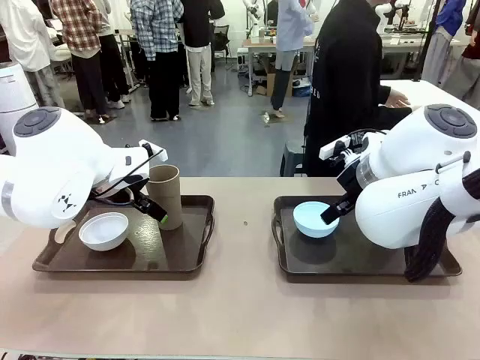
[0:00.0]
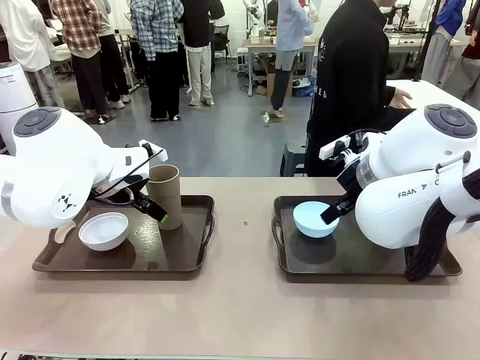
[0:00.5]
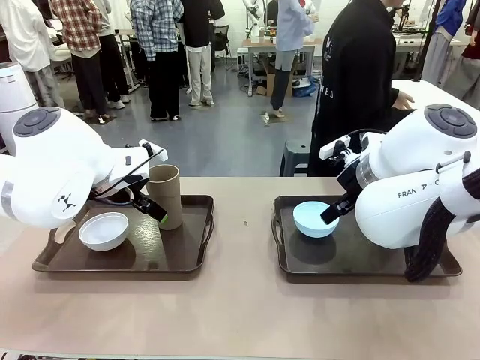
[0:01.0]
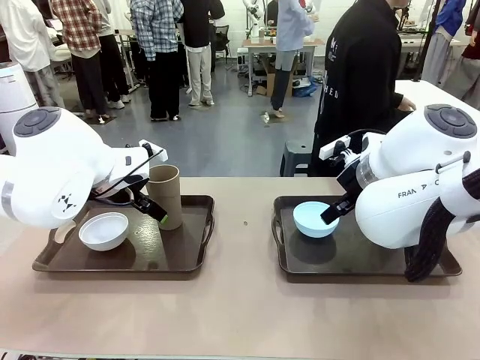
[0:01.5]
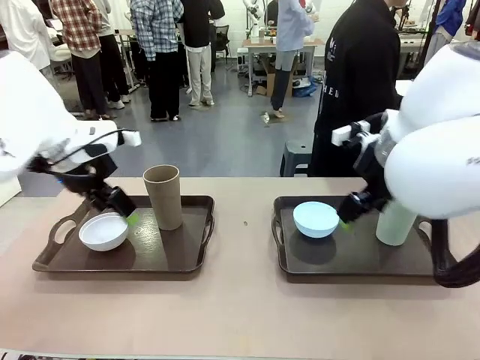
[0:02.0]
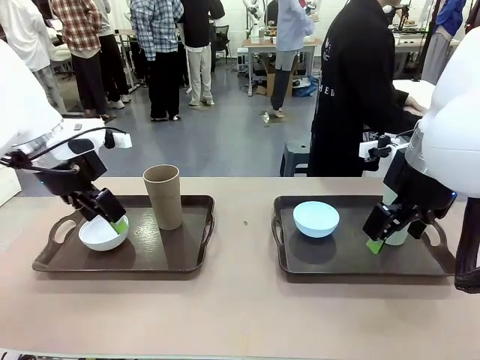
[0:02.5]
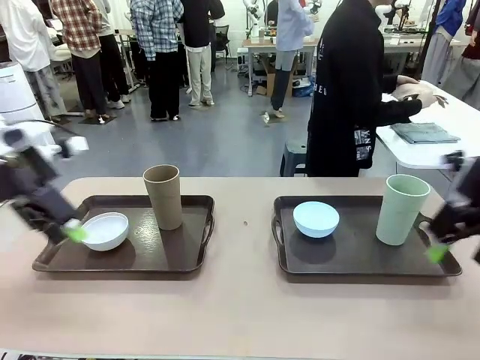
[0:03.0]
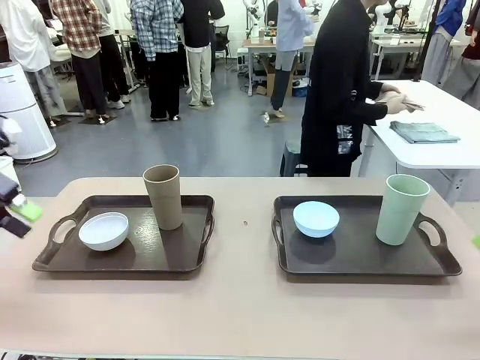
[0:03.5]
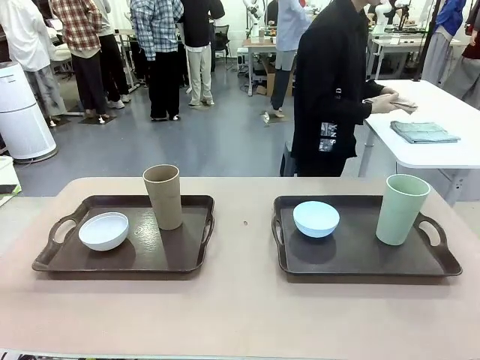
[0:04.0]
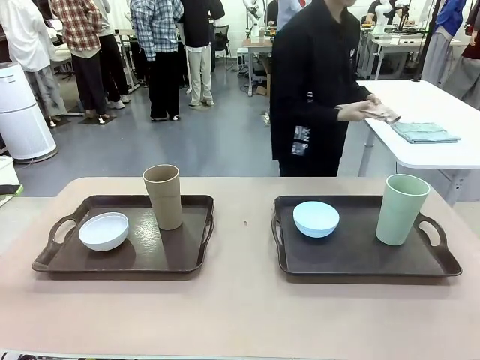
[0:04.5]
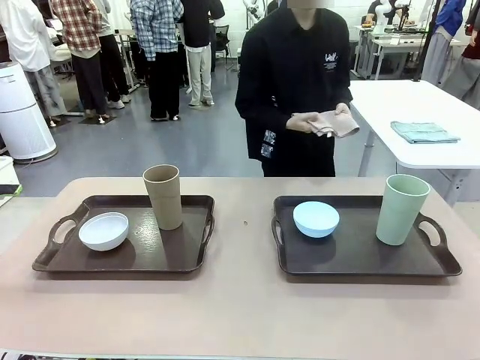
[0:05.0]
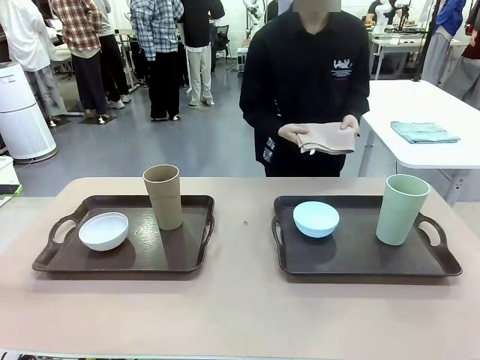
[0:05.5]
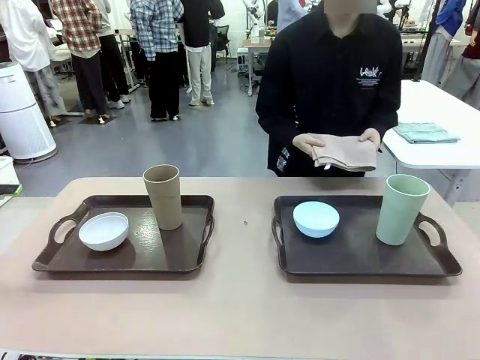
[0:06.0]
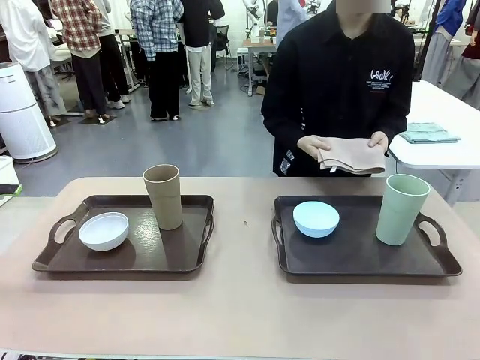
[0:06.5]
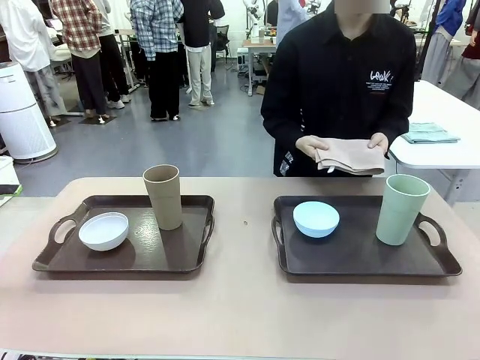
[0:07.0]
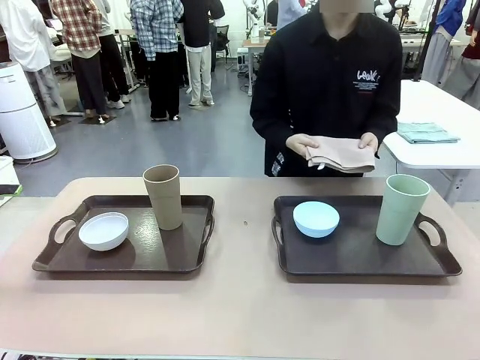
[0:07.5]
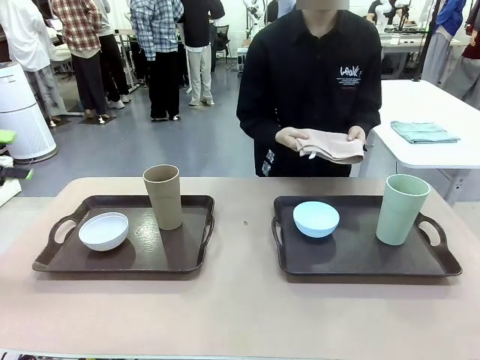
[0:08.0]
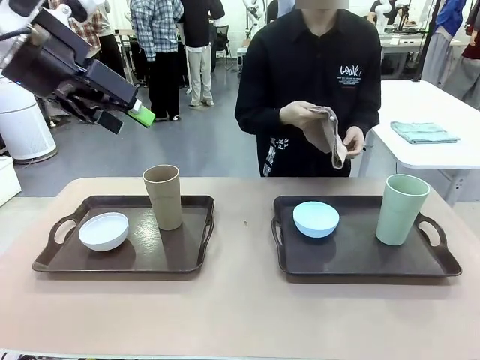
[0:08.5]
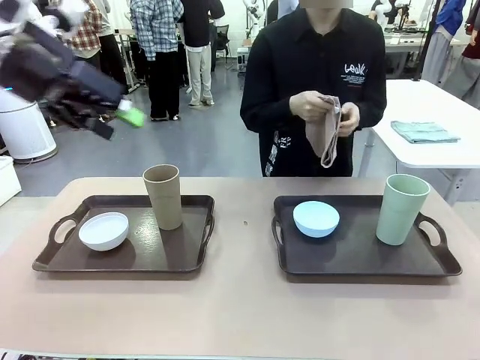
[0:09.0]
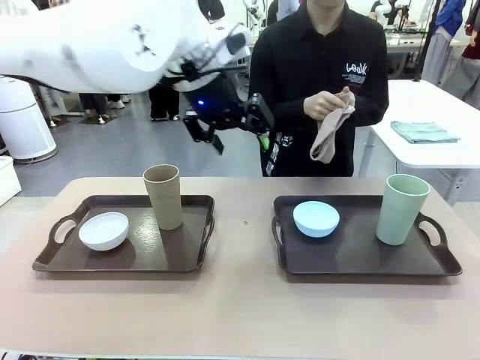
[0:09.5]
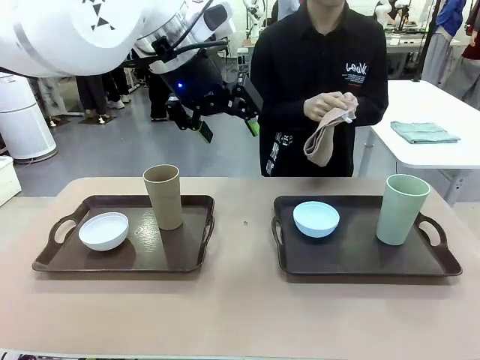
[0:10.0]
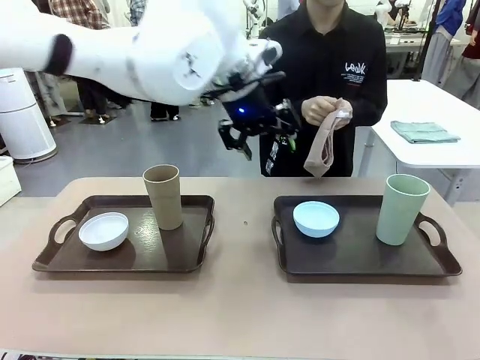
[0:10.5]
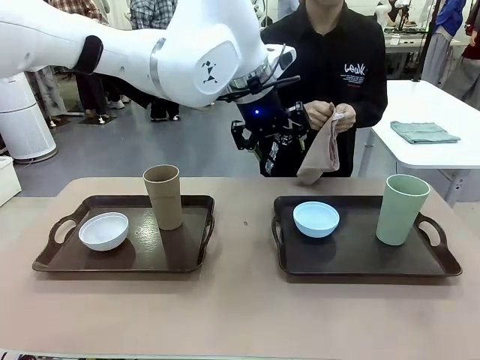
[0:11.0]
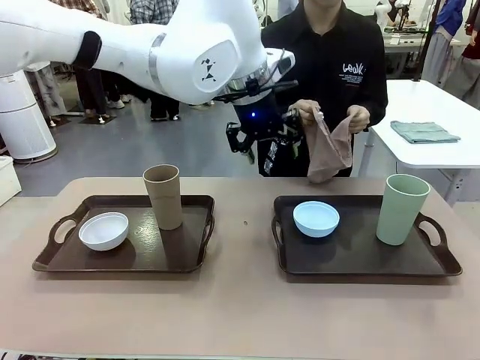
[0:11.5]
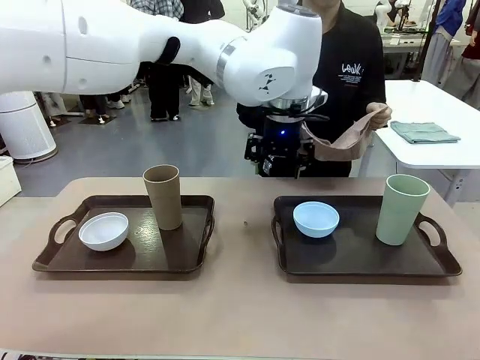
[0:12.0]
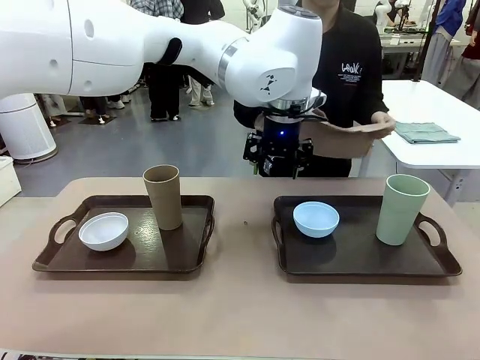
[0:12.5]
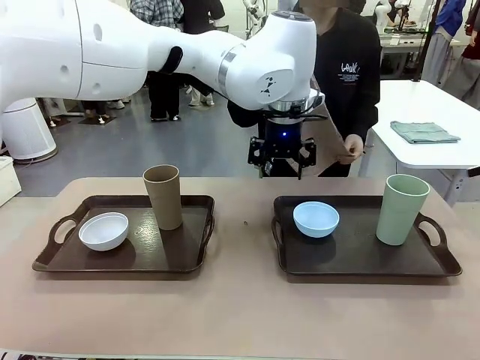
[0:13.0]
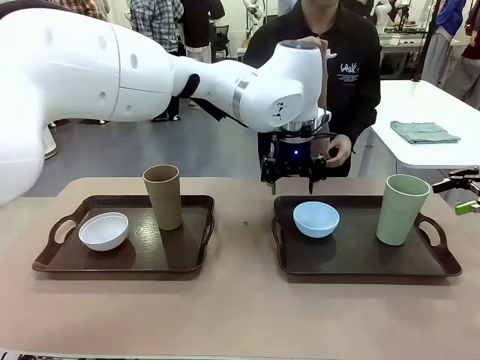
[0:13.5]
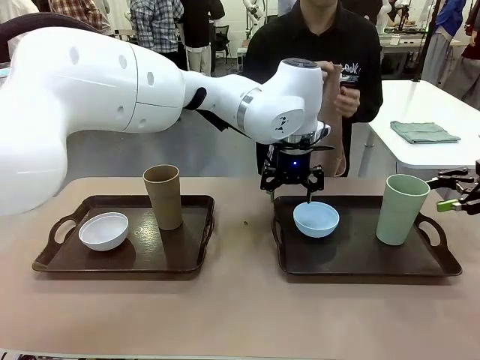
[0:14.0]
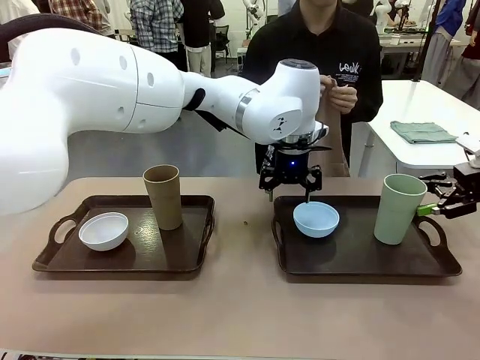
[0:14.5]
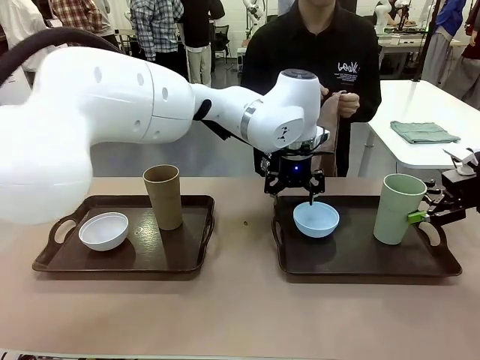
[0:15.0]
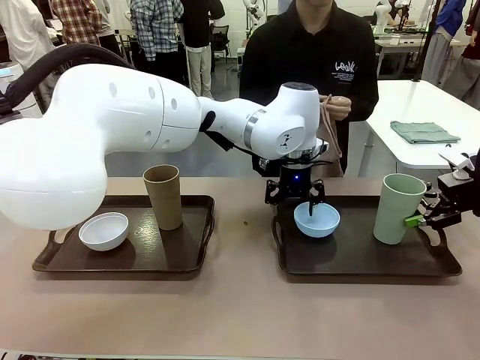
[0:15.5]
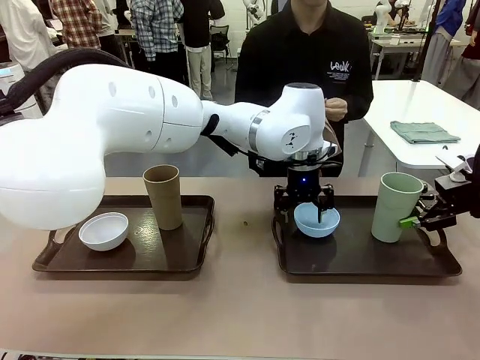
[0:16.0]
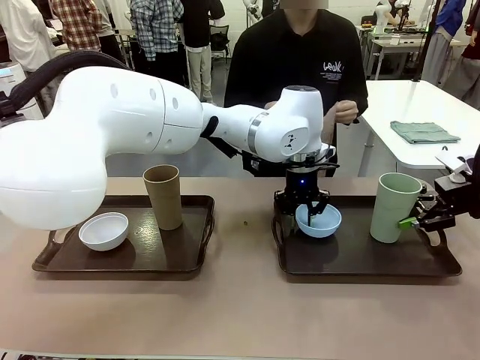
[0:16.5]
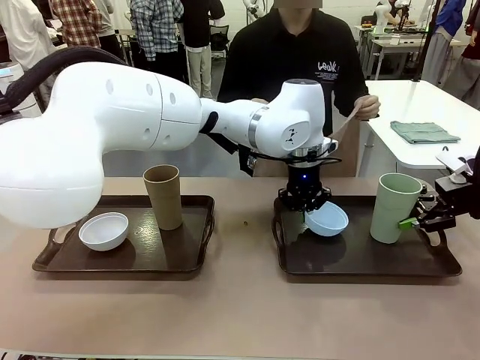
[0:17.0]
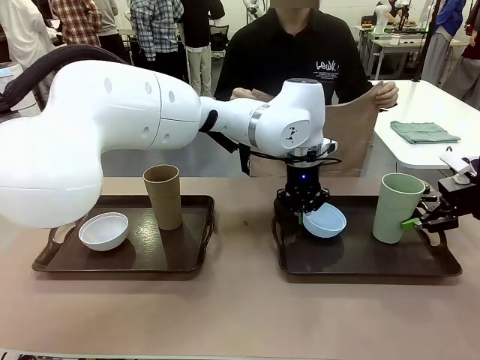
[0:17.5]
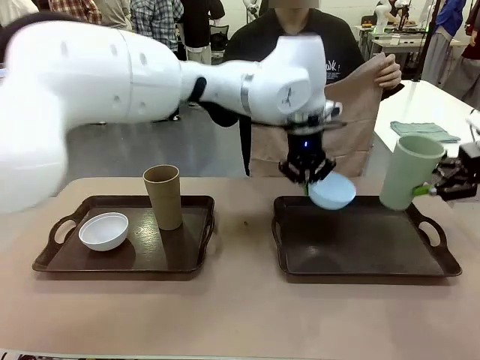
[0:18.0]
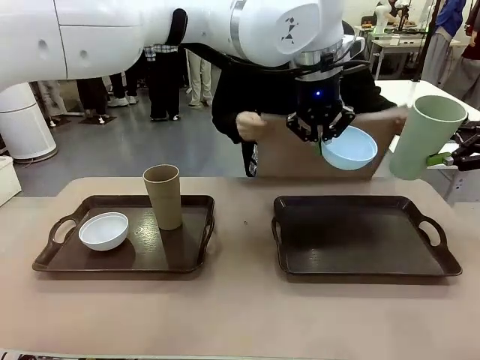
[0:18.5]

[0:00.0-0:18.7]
Robot: Pick up the Picnic Bowl and Reusable plastic cup from the Handle tray in front of the human's position and hold them in the air.
Person: The human picks up the top napkin from the stack on the human table and walks to the robot table to stand in front of one of the two trays. When the robot lifts the bowl and the cup, the human unfolds the napkin and lays the napkin flat on the tray.

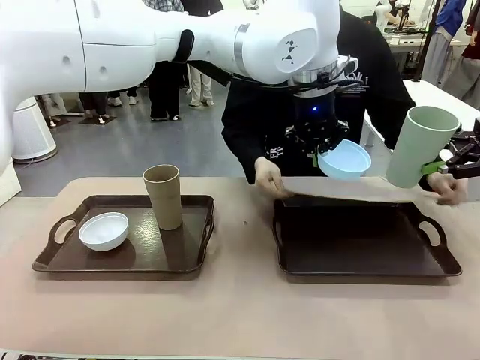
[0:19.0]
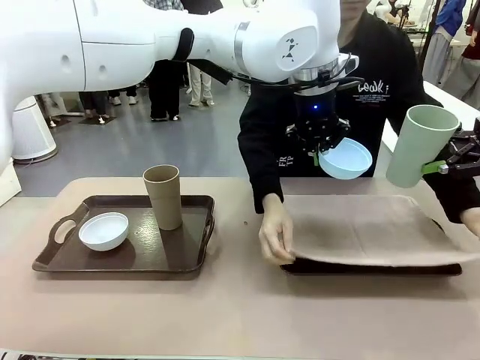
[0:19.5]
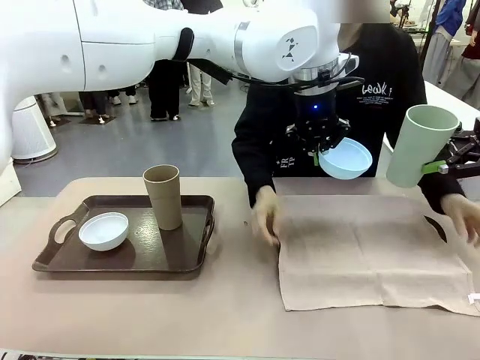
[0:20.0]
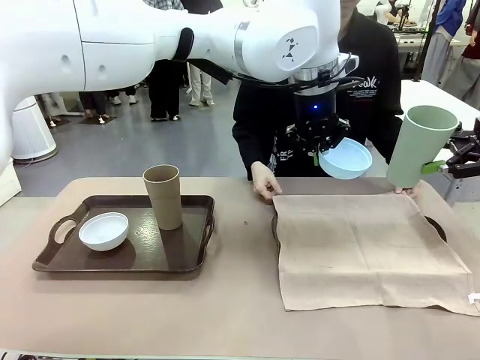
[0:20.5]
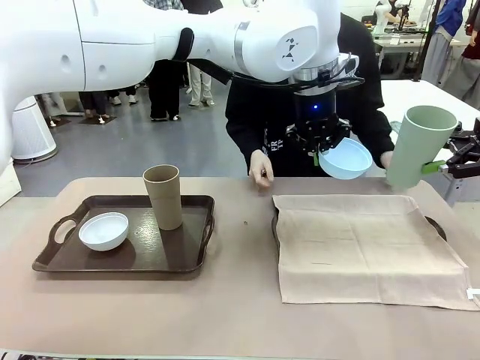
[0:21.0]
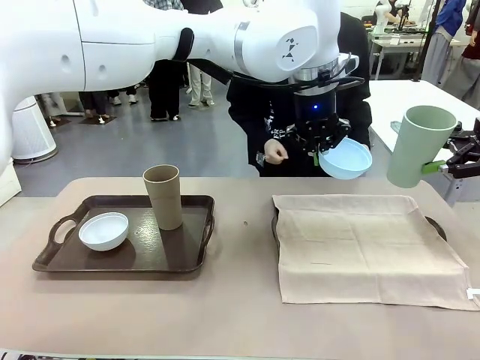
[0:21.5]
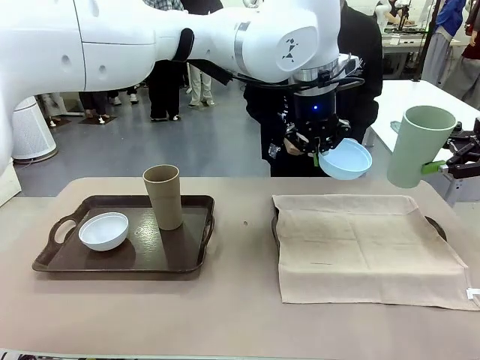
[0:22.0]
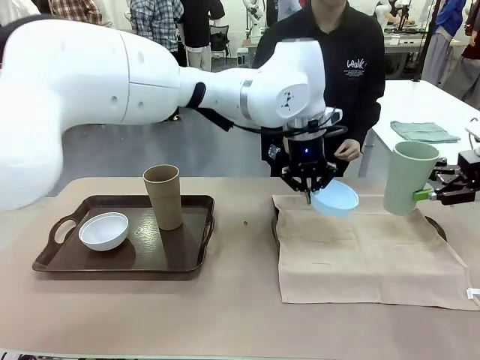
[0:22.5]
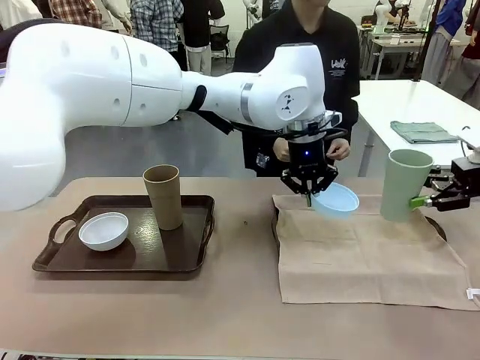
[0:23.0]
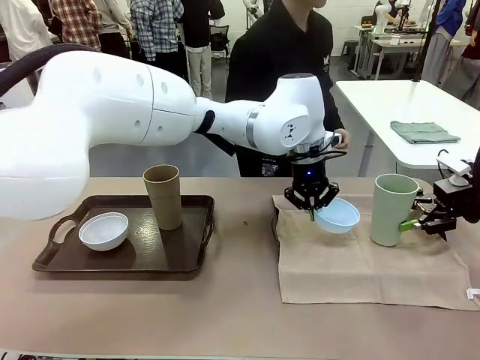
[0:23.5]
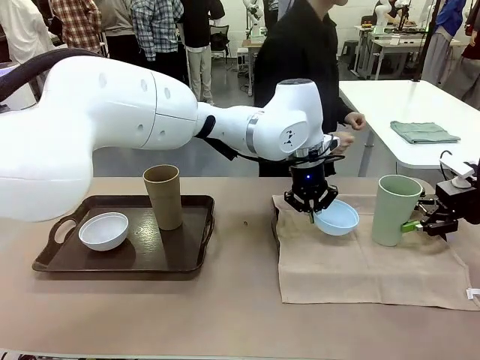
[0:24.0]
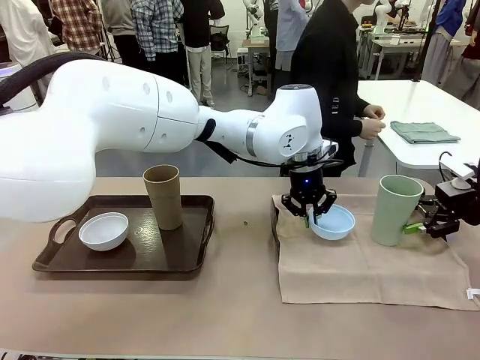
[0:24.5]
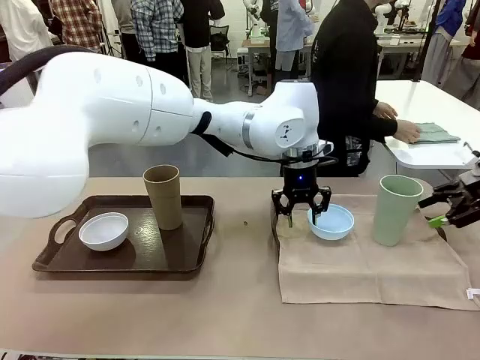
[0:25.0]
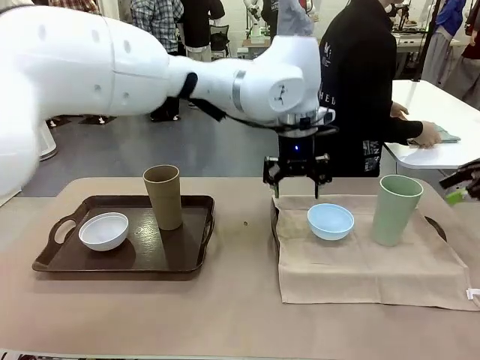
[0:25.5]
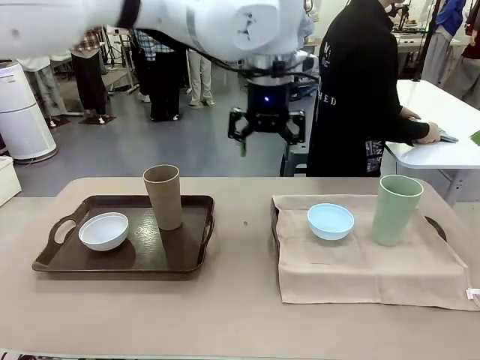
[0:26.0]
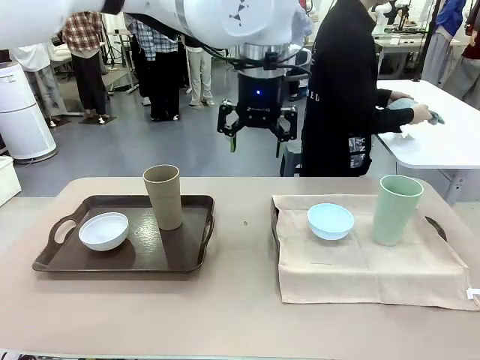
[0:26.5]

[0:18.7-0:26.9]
Robot: Place the Picnic Bowl and Reusable plastic cup back onto the Handle tray in front of the human's position.
Person: The human returns to the human table to pick up another napkin and walks to the robot table to stand in front of the tray without a napkin.
